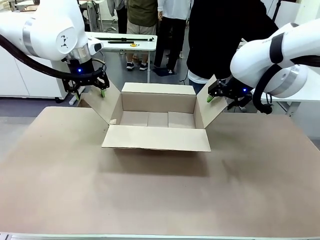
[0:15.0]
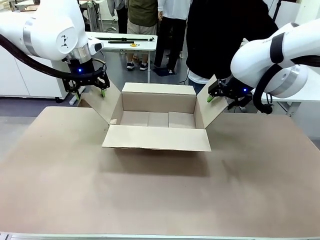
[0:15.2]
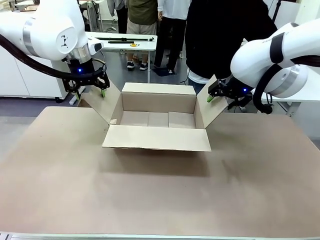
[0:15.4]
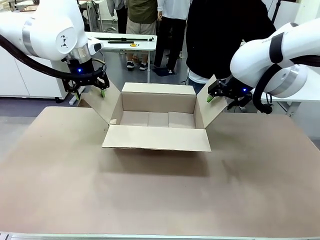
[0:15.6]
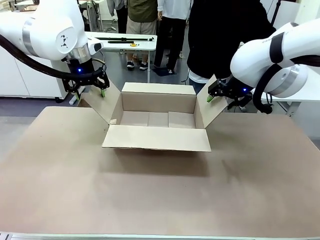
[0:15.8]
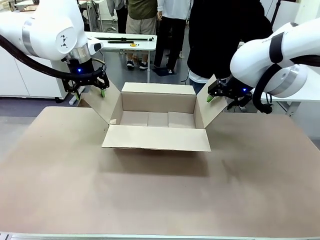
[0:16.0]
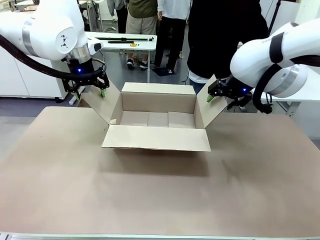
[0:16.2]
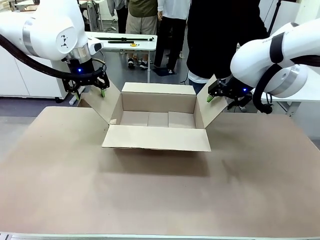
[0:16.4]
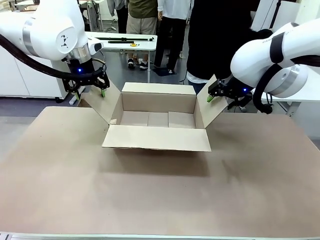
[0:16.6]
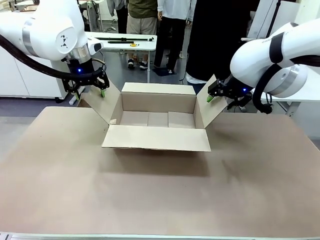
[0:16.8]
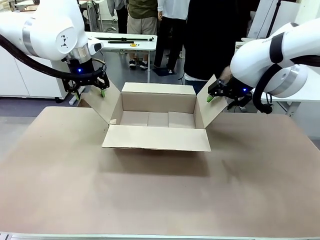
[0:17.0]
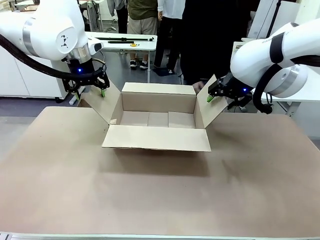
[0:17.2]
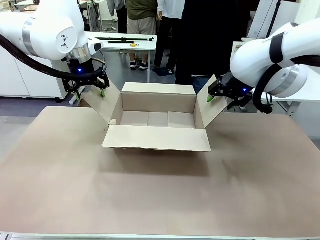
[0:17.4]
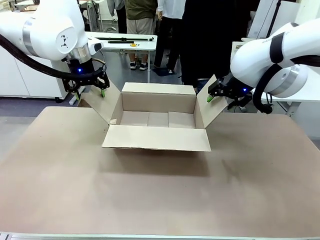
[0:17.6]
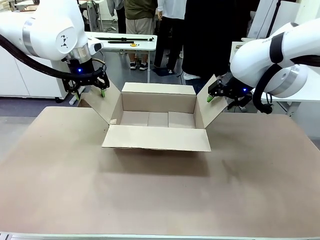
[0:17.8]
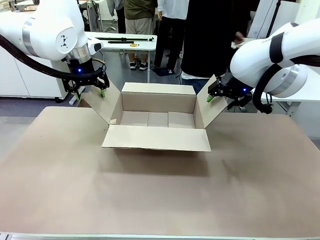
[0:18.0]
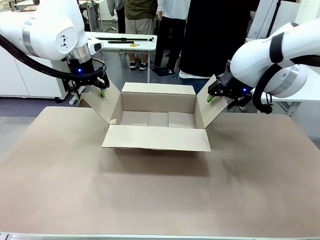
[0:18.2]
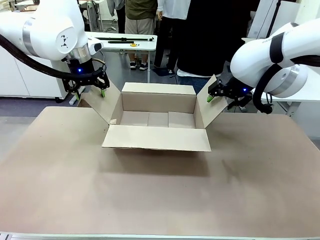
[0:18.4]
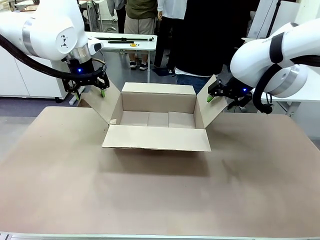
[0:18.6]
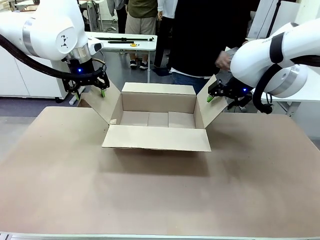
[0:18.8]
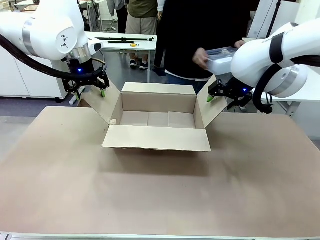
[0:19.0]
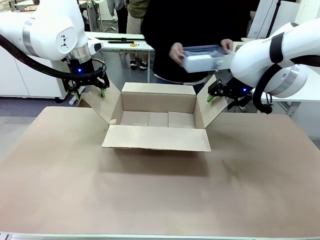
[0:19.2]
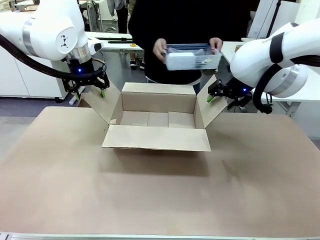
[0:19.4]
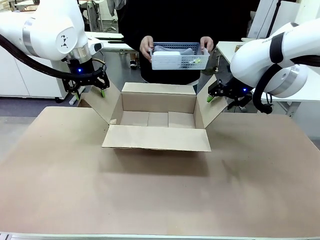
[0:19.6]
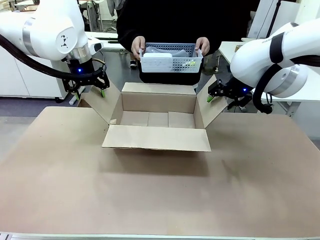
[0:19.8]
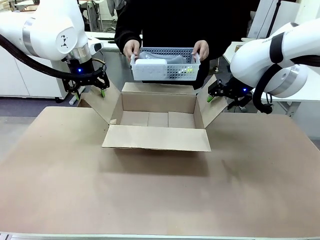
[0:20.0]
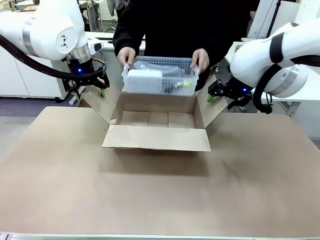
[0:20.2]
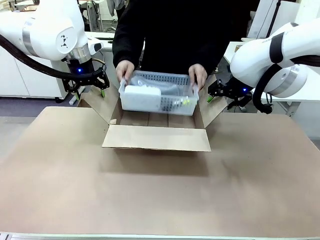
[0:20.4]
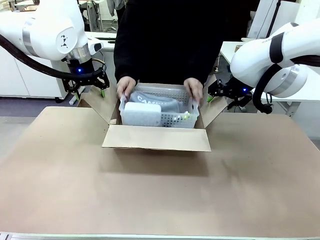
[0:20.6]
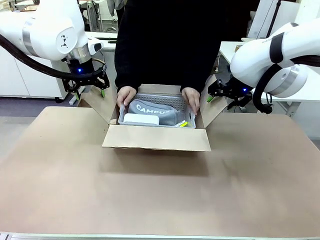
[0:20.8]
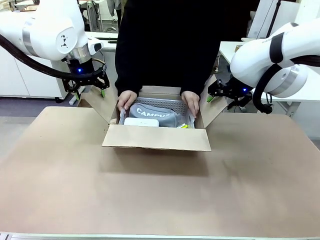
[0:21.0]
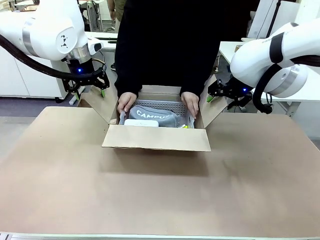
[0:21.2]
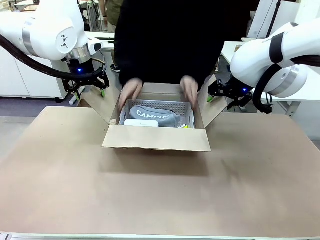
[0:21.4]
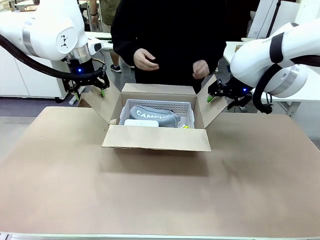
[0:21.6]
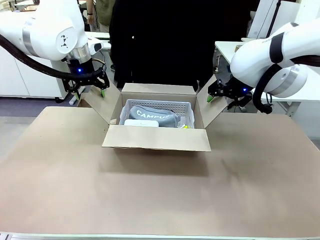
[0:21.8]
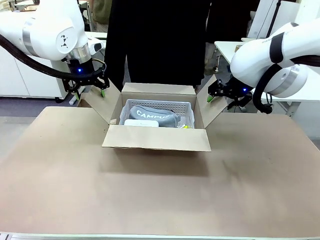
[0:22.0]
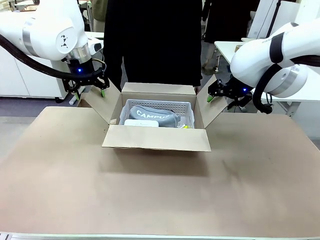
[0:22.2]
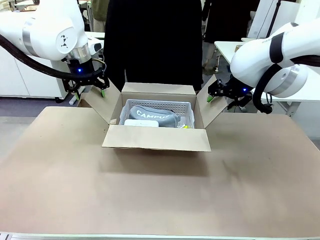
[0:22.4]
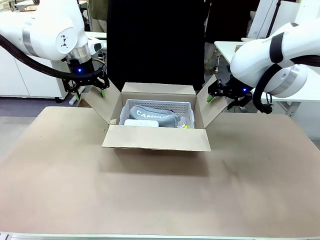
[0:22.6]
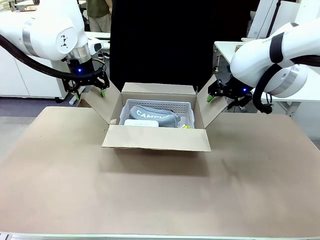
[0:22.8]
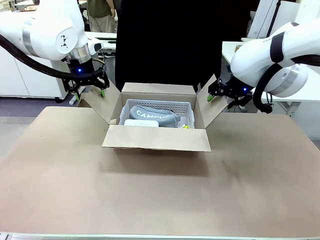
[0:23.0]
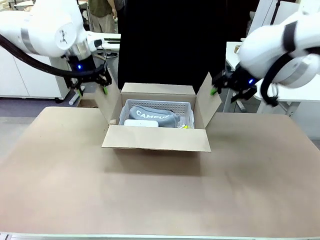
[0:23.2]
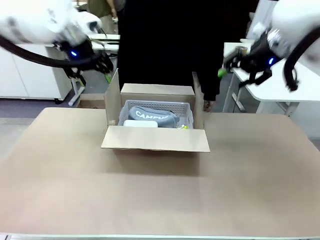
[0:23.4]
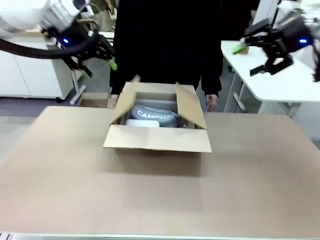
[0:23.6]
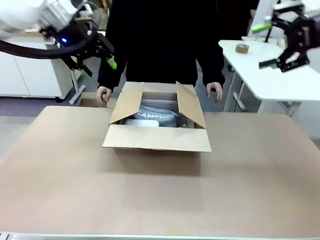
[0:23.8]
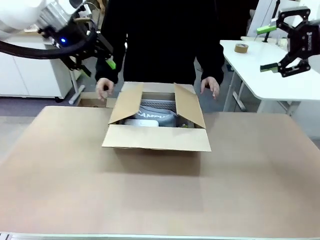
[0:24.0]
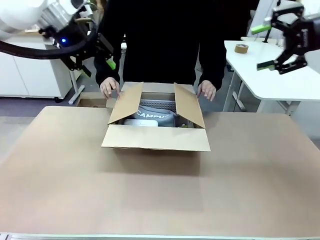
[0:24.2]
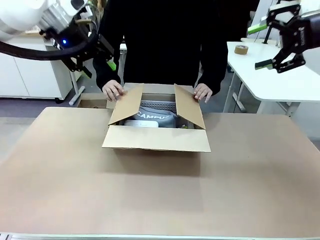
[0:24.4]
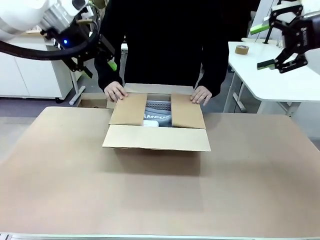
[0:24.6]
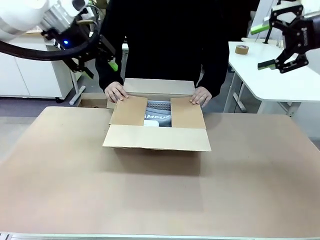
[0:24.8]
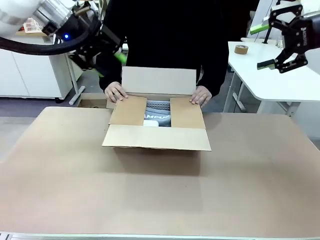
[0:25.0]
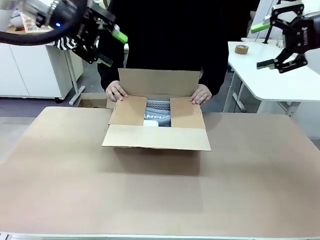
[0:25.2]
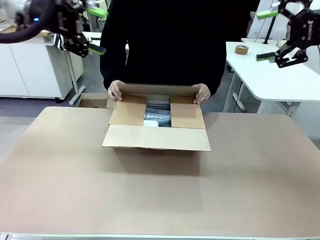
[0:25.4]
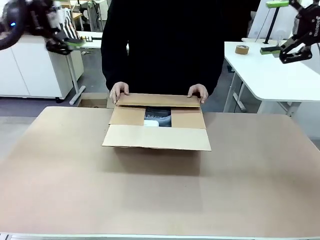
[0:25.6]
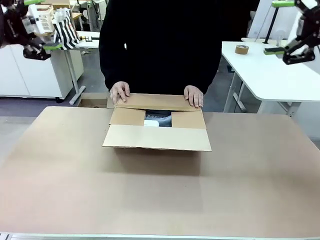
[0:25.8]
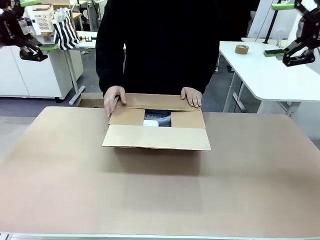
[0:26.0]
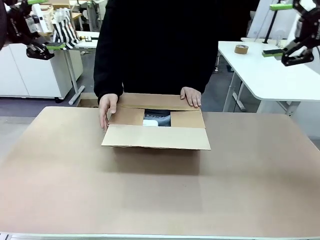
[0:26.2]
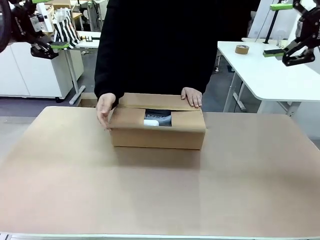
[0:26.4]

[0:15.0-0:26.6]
Task: Pack the gift set into the box.
Robot: Lift both hands away from the flaps of the Package Box.
Person: The human picks up the organizing basket and places the organizing basket into the package box on the robot table. The human closes the box and rotates the box by 90 degrees.

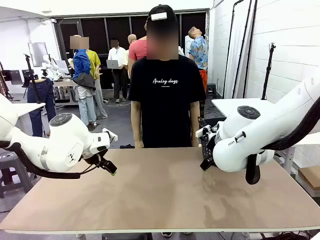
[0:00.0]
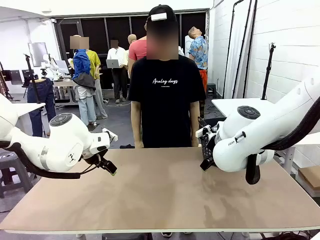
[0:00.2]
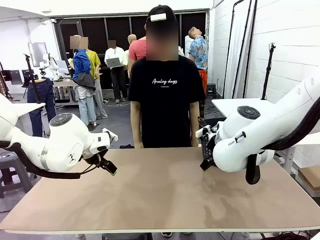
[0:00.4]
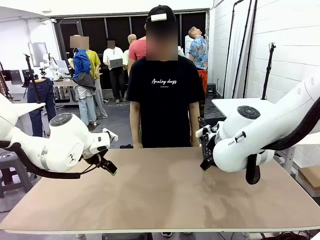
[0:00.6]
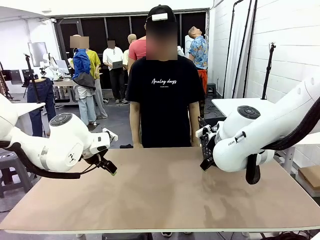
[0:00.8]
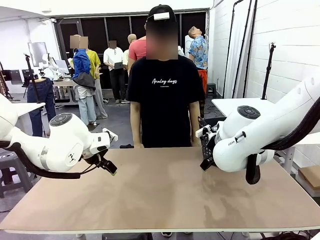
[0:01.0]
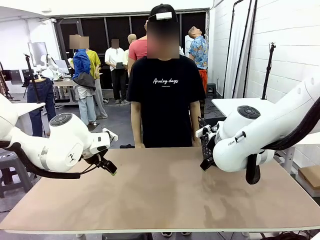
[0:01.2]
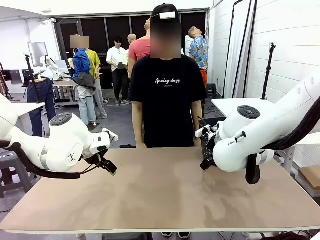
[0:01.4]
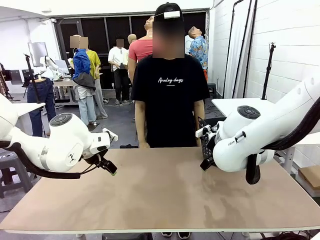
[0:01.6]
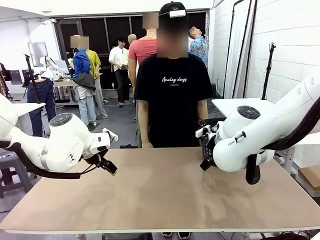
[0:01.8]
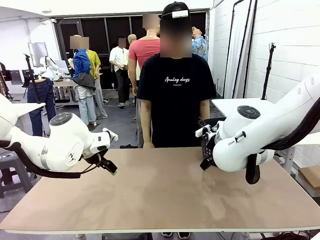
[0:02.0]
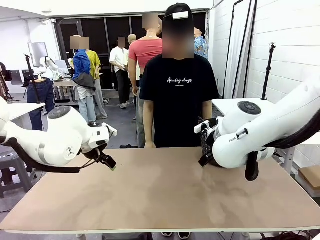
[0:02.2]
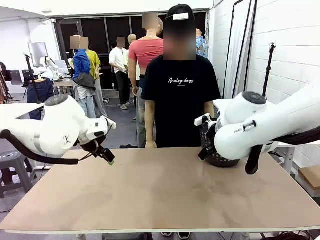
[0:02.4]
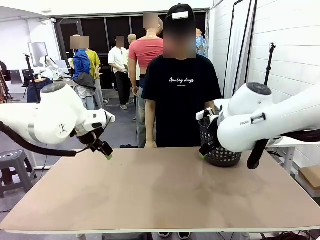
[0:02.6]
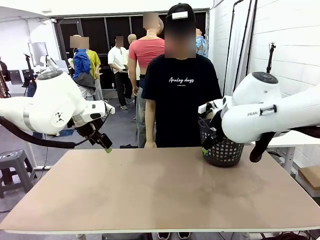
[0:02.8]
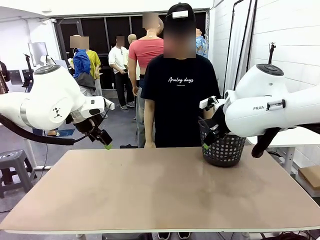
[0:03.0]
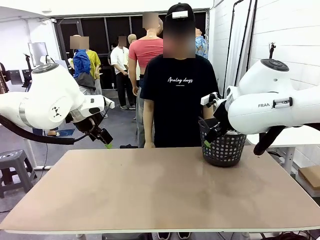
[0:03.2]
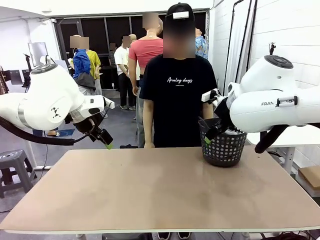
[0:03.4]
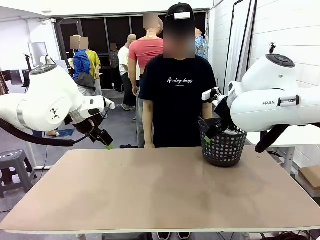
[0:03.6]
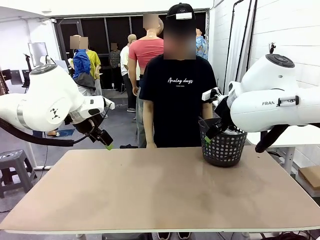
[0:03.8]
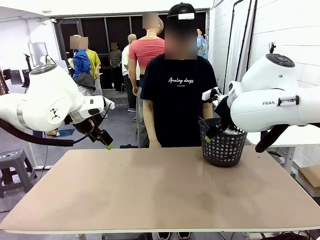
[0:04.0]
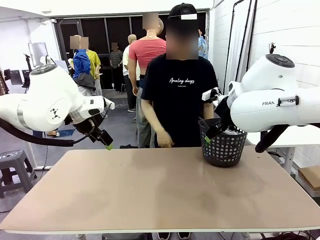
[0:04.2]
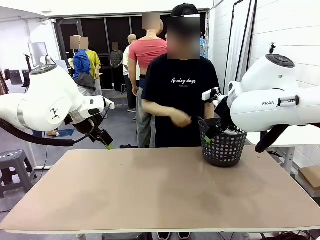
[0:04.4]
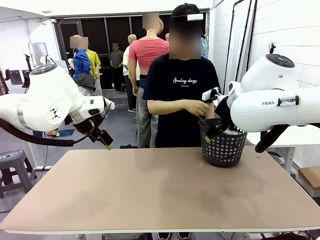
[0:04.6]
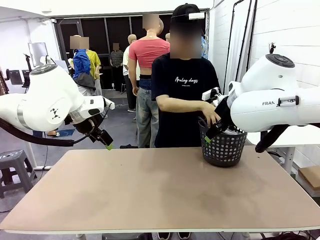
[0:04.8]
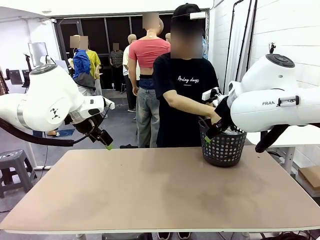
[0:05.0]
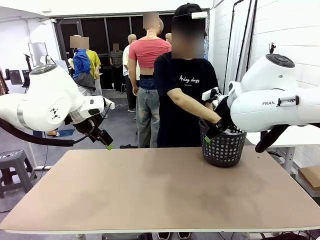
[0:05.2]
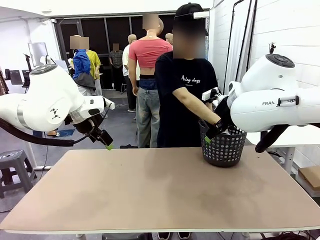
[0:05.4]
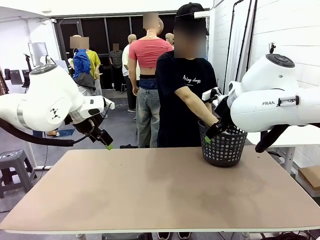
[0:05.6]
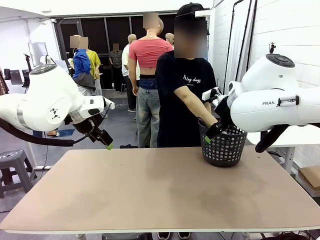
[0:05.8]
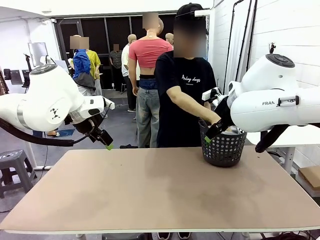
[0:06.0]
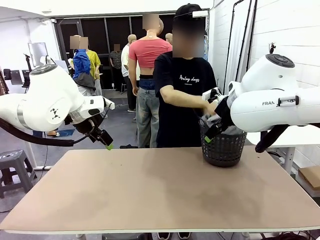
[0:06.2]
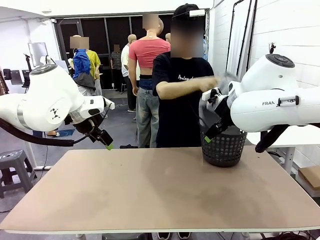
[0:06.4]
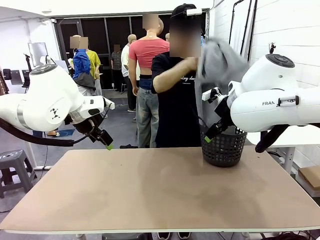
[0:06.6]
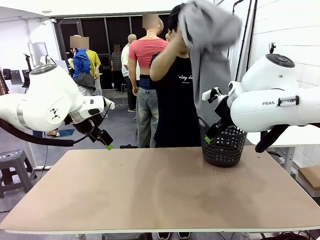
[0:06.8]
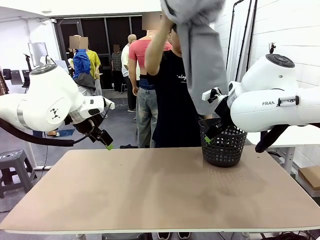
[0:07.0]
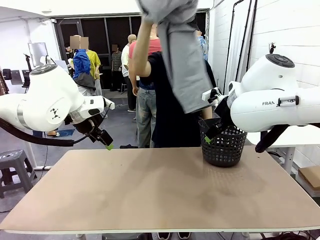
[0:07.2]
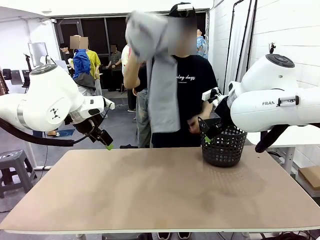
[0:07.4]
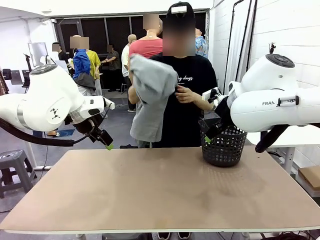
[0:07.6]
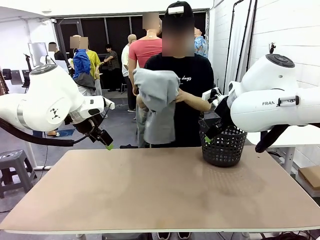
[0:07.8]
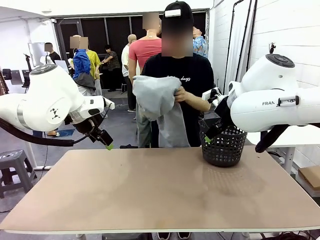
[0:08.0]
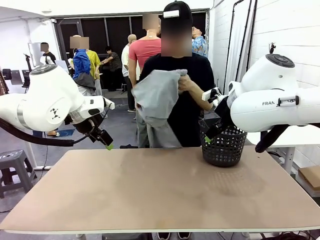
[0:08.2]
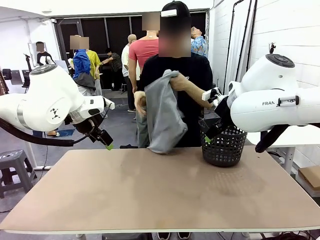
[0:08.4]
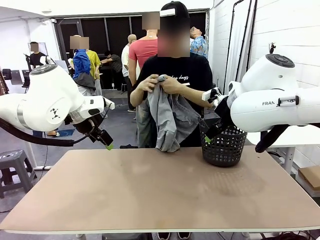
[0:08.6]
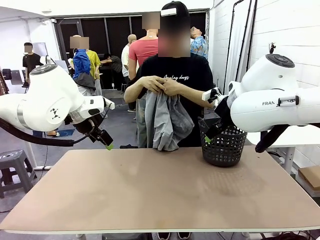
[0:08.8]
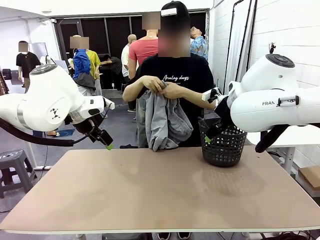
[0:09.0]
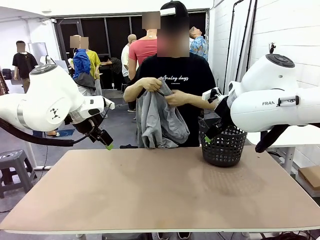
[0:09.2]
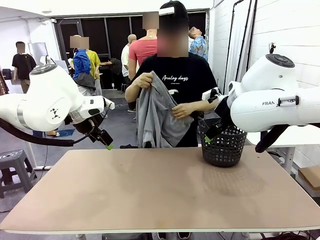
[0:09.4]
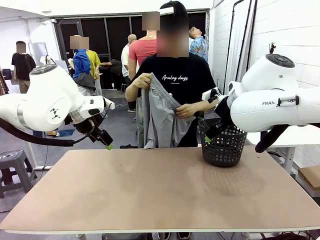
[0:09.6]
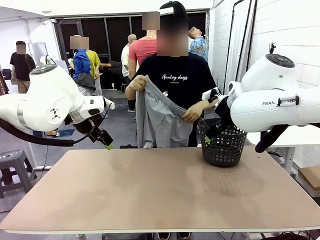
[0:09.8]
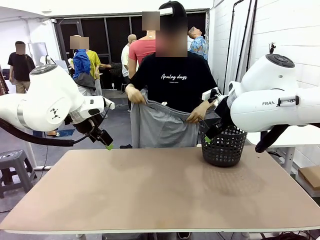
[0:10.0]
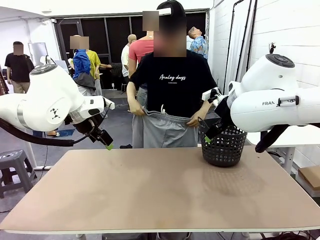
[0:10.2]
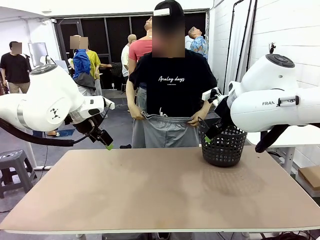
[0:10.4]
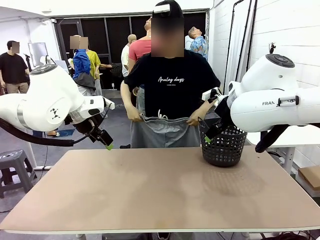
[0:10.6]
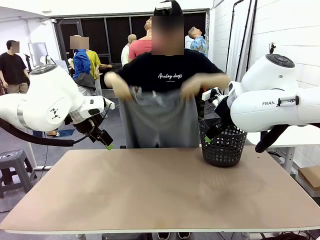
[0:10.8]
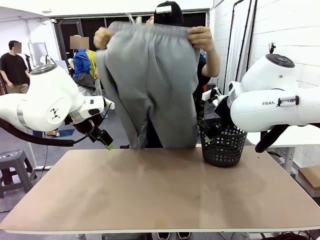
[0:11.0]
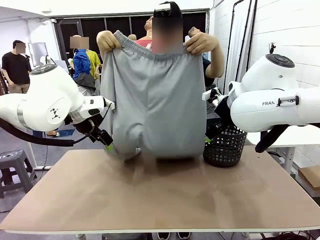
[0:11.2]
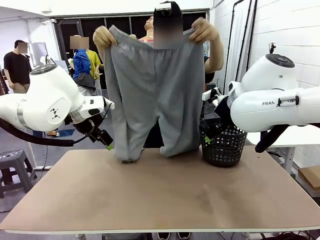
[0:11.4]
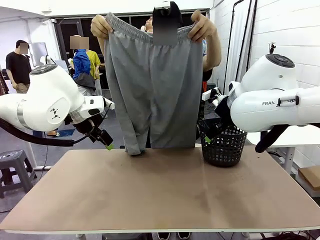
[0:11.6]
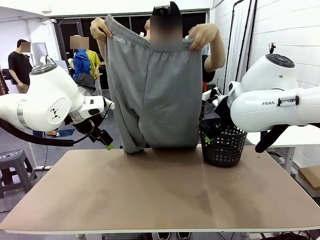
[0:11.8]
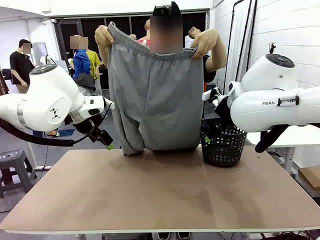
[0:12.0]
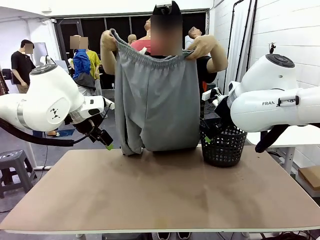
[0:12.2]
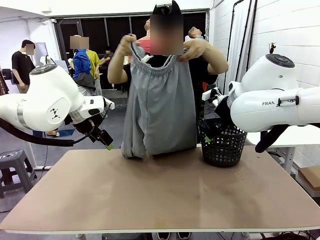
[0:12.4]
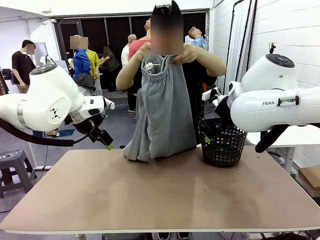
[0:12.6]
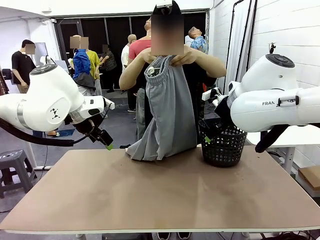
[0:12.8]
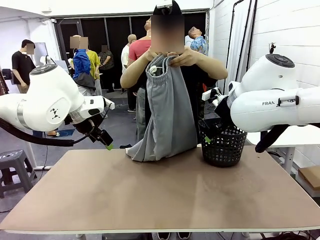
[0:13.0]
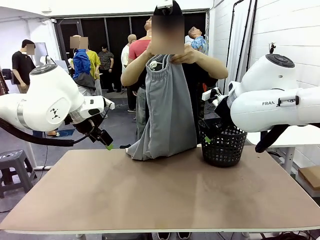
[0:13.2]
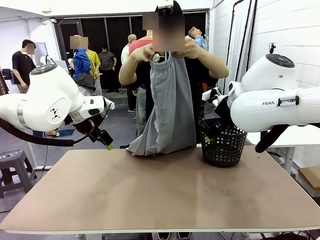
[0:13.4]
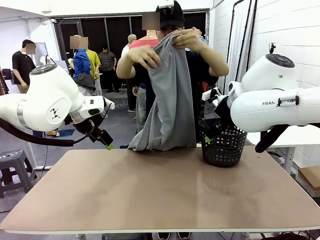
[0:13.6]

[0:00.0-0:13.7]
Task: Fold the training pants.
Robot: Grab both ends of the Training pants handed by a person.
Person: Take the long pants out of the laundry basket, unfold them, fold the waist in half, and extend them so the robot can pick up both corners.
